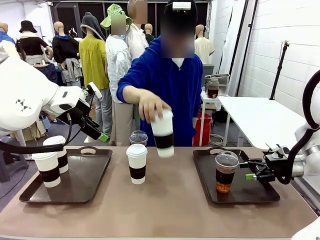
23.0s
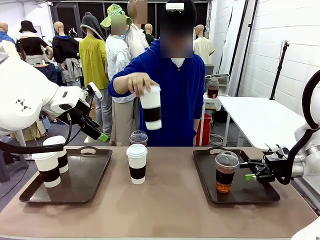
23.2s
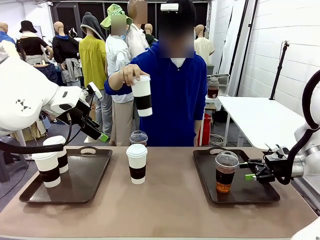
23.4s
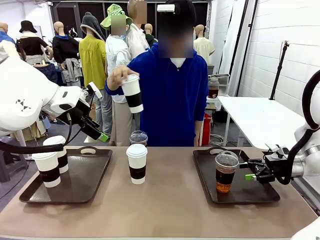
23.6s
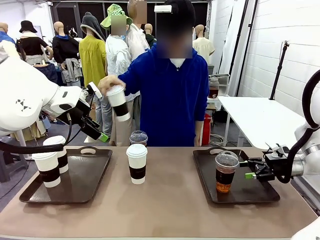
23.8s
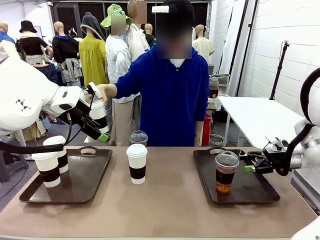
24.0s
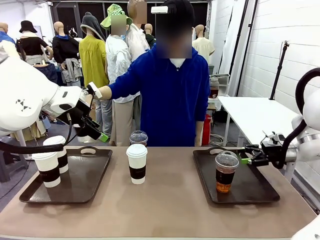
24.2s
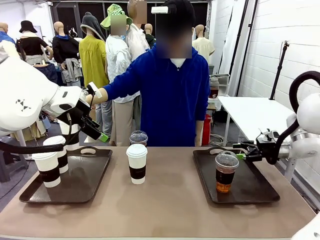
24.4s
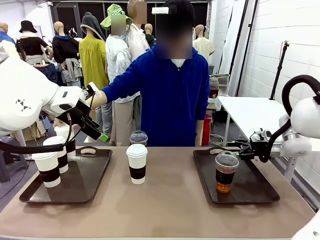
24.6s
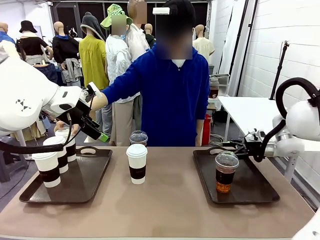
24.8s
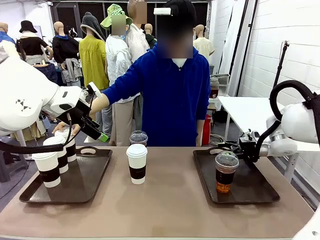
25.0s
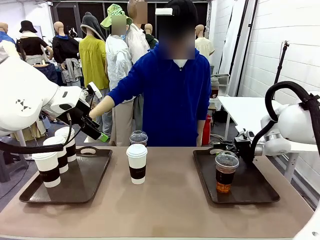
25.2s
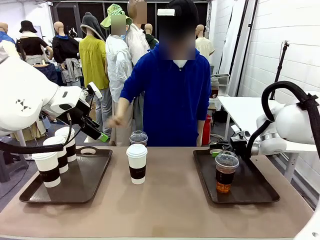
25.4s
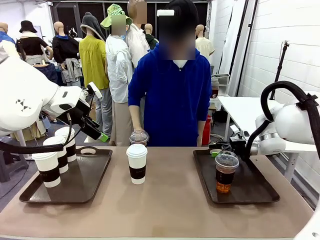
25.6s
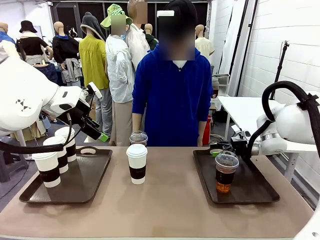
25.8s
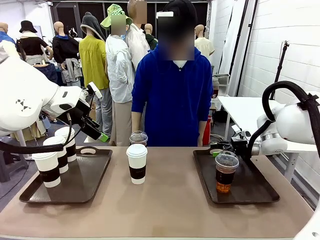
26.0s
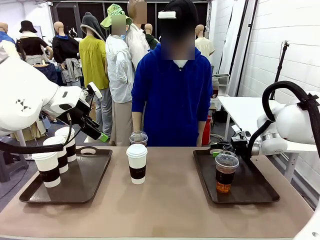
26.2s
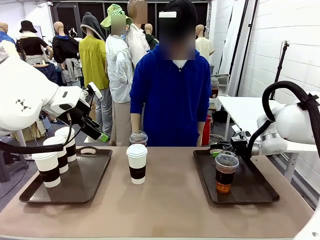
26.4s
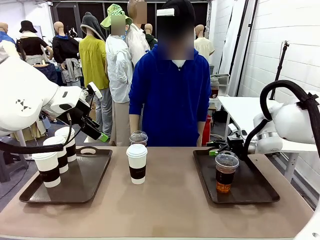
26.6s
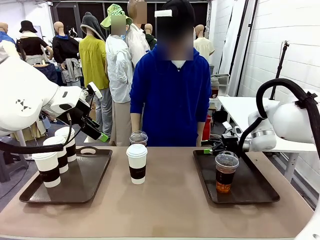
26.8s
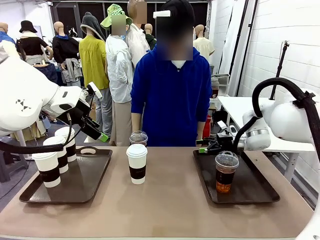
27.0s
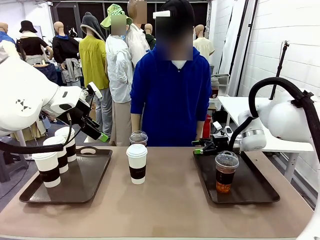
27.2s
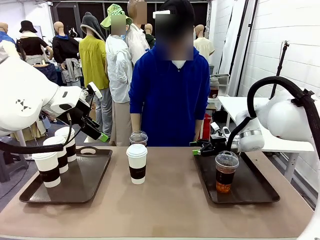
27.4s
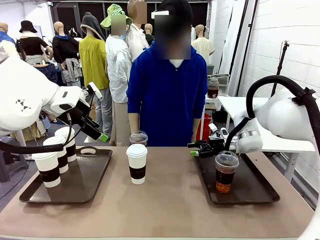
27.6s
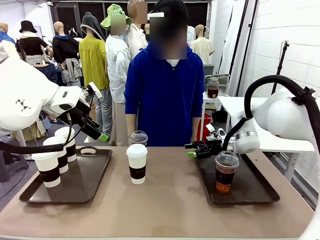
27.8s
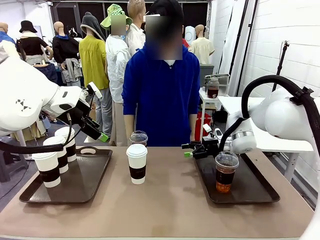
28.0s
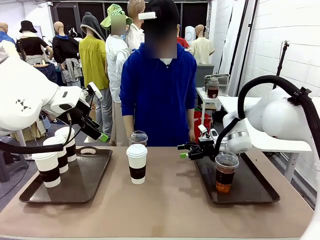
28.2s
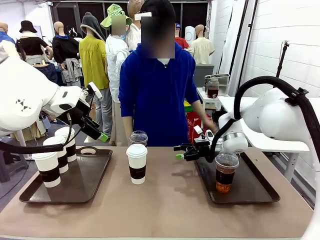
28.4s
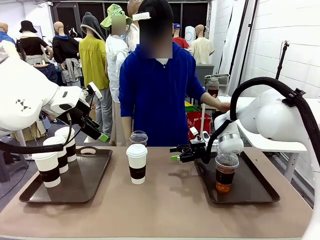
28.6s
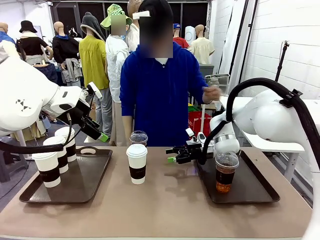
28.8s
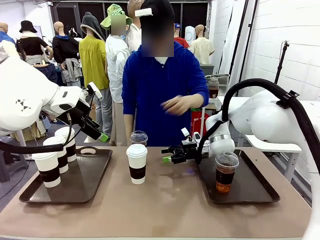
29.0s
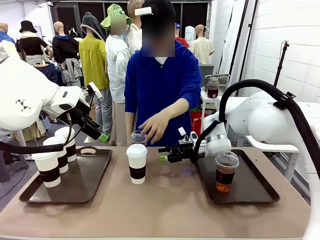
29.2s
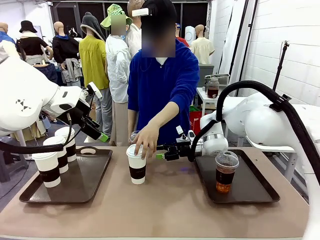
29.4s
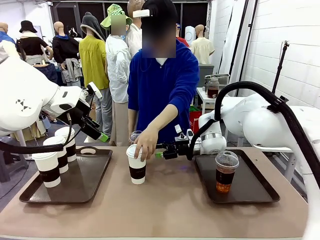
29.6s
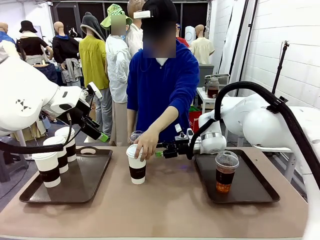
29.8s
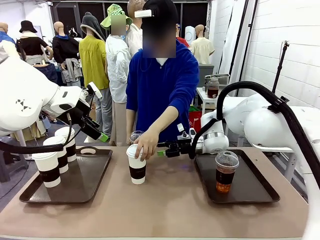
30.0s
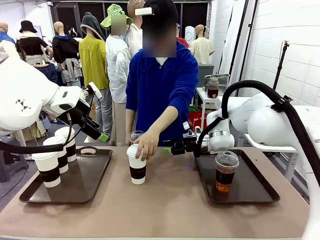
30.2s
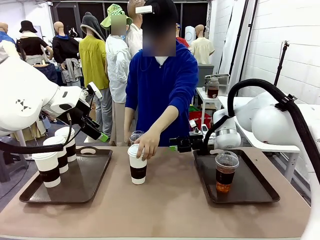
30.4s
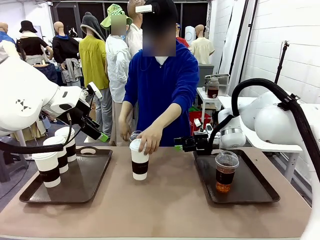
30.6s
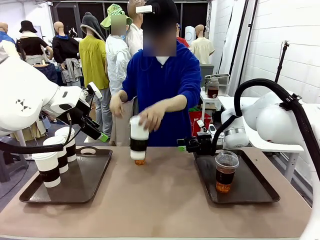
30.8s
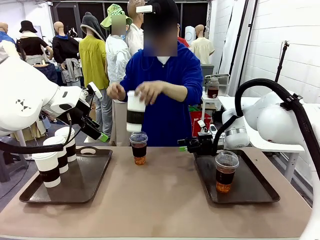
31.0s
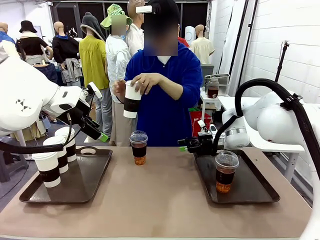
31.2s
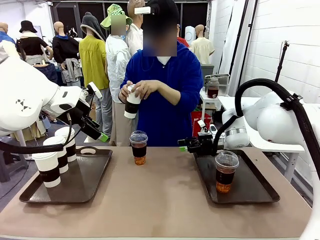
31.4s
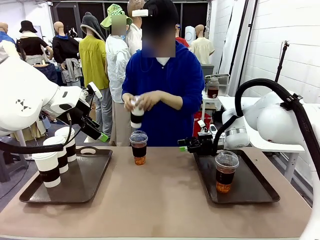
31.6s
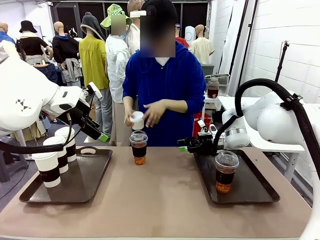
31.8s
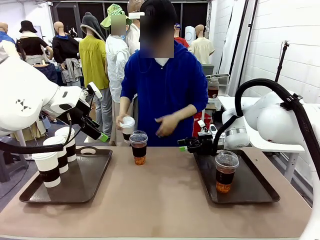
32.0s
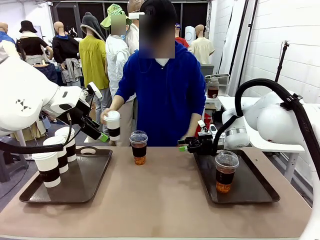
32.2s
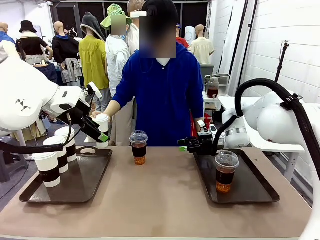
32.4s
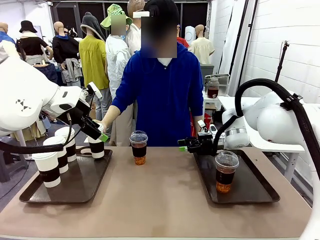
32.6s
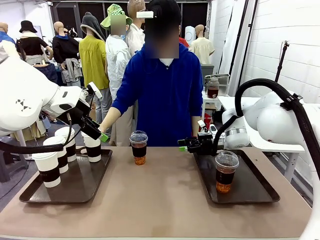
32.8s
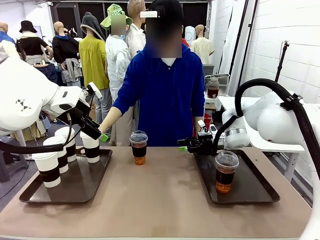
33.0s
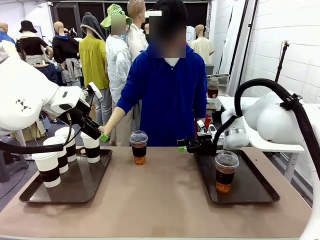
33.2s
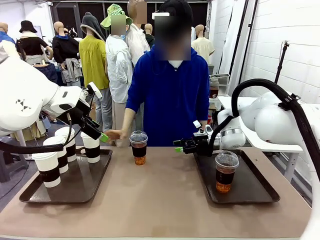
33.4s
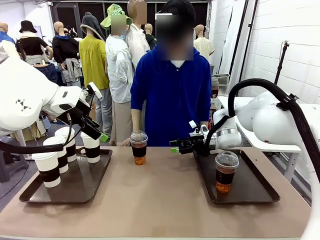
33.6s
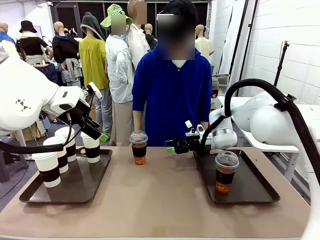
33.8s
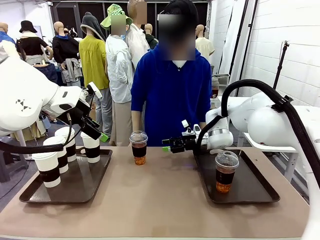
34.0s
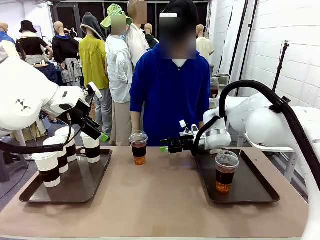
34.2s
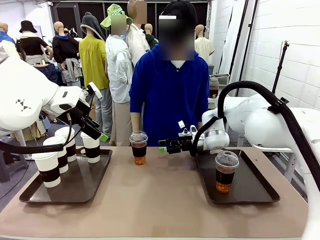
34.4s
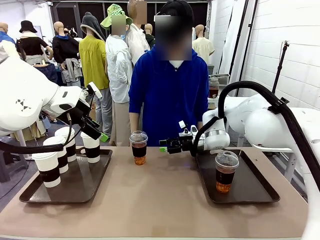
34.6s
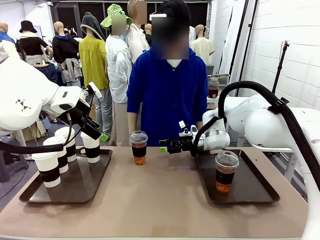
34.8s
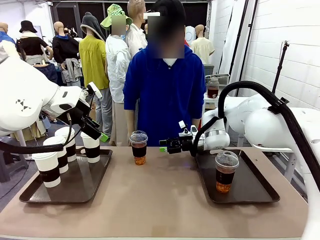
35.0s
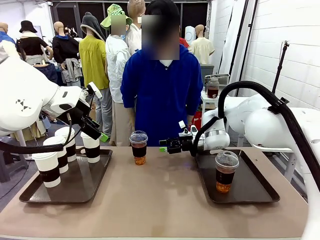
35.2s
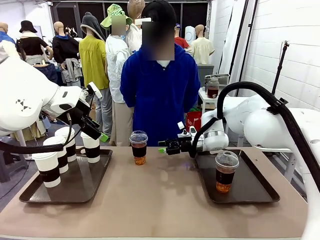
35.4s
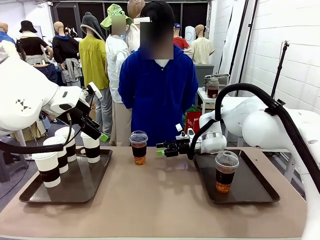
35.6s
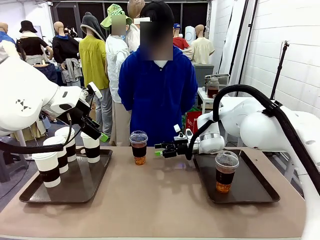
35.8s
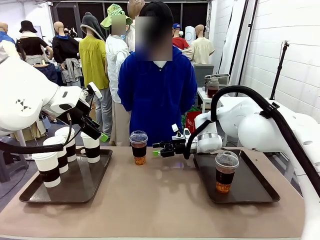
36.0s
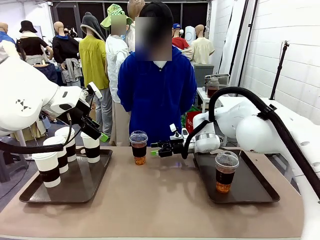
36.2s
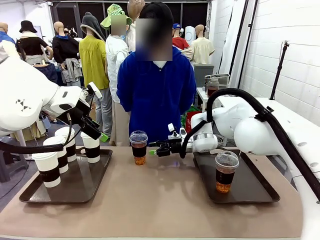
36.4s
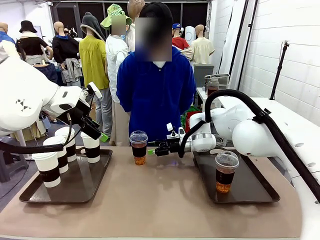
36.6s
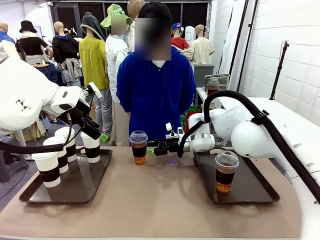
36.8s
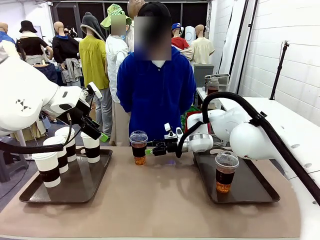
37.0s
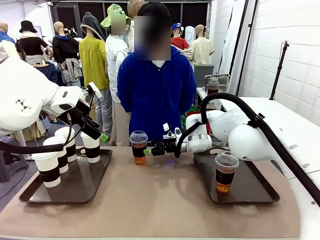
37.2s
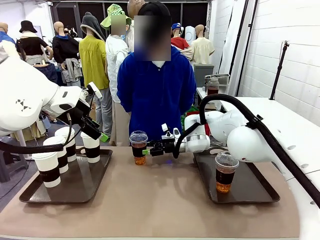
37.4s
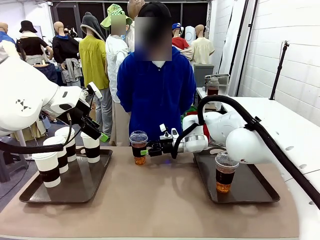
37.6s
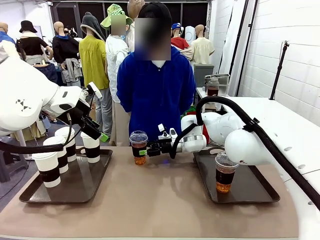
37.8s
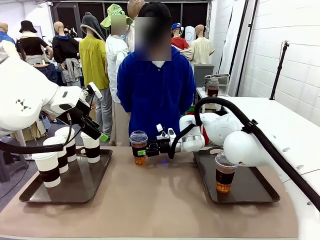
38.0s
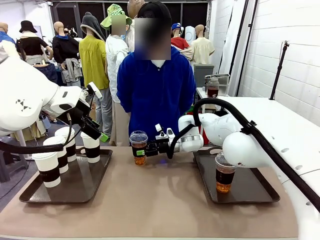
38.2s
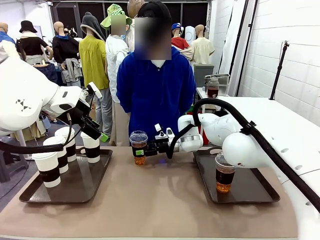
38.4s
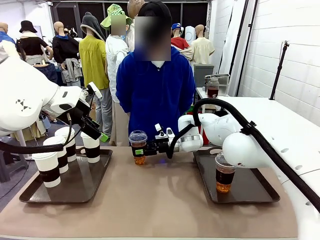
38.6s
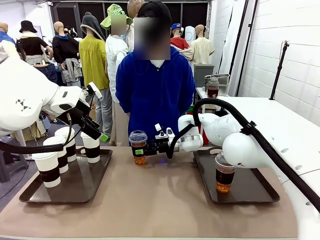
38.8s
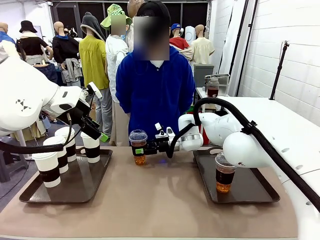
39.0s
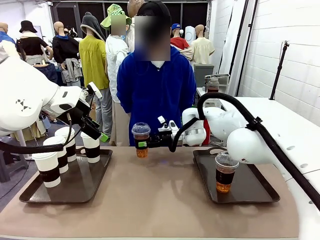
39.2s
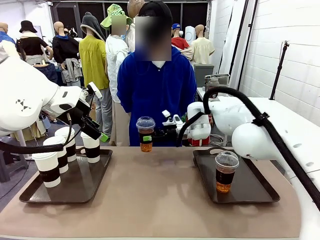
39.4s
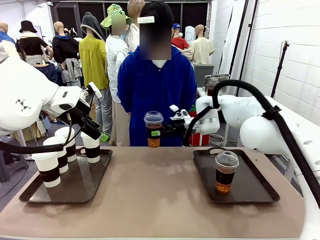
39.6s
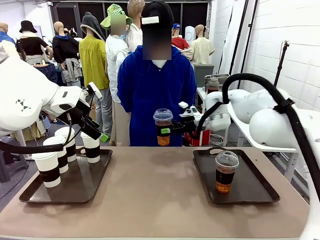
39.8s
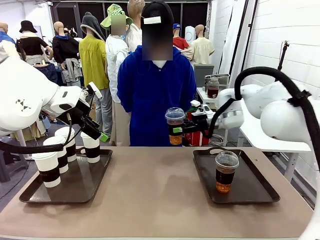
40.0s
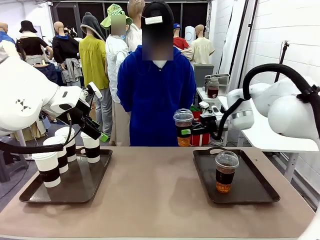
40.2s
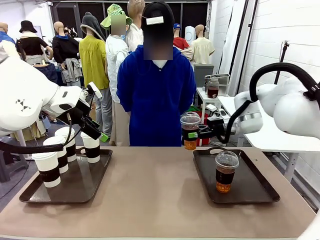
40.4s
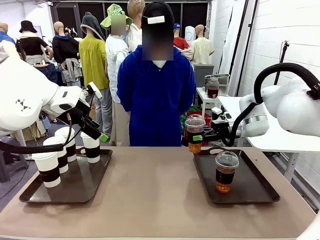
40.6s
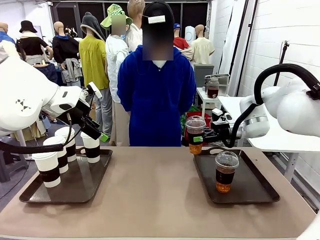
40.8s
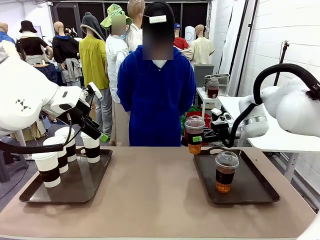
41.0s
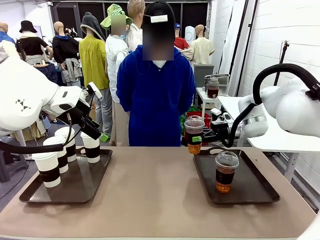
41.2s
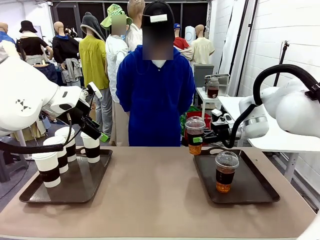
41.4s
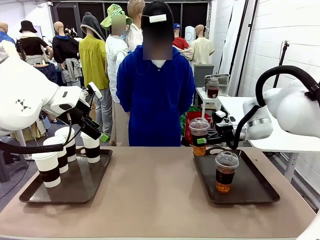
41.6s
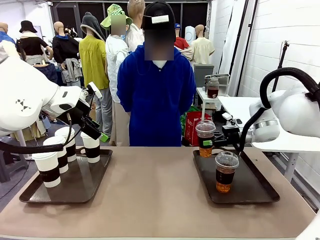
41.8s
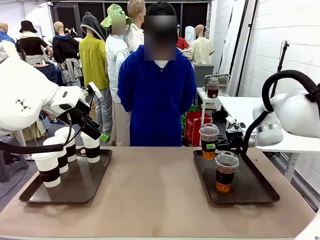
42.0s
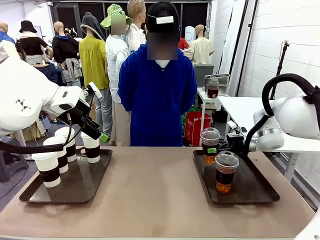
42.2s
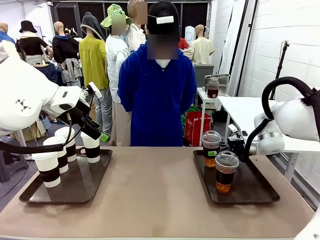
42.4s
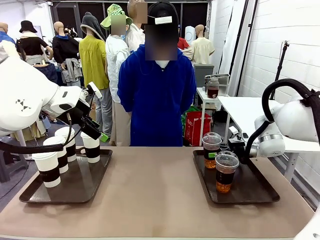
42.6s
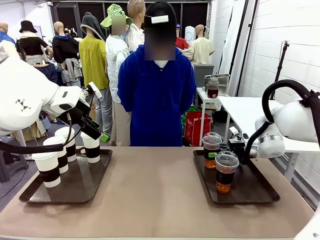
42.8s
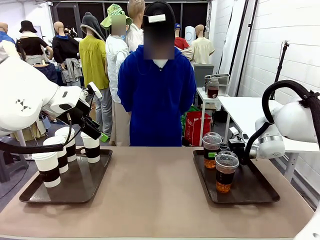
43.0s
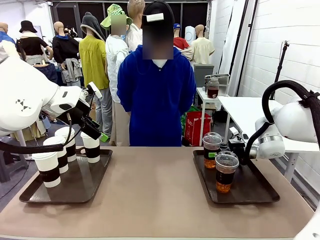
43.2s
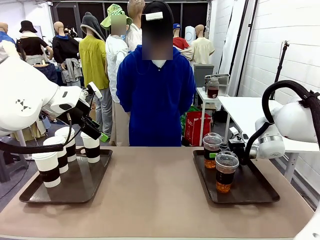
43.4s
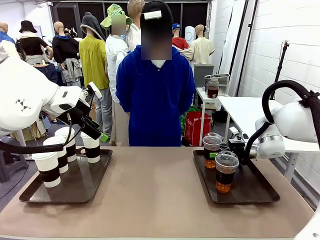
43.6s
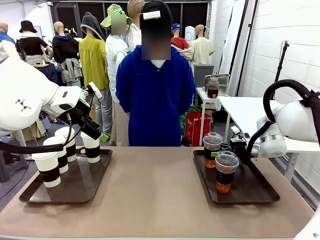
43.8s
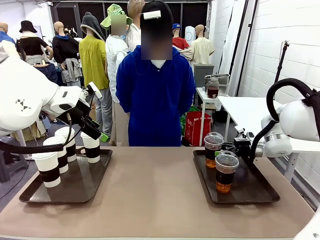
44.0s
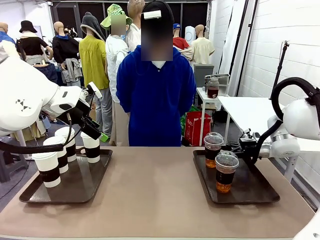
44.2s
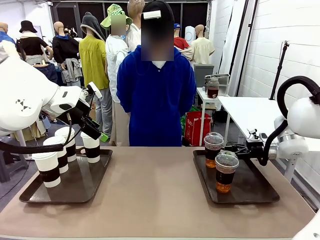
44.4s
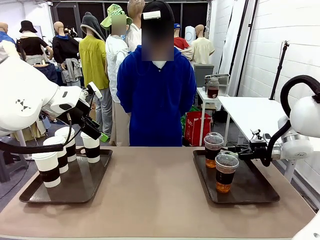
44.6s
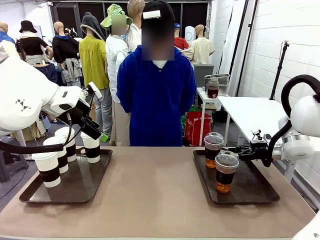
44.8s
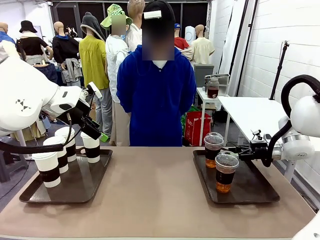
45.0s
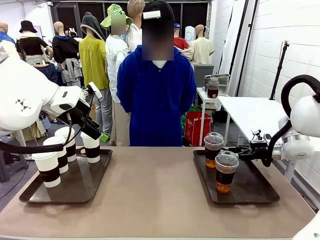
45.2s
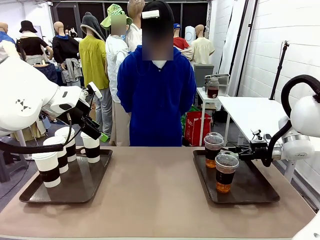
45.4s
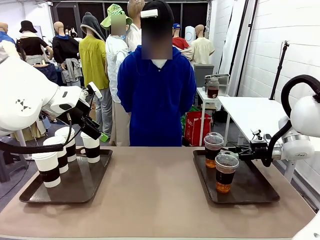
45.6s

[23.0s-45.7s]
Task: Distribute the coffee onto the tray.
Robot: Pick up another iced Americano from the middle of the table and place it on the right Handle tray.
Person: Pick up a cup of hot Americano from the middle of the table and place it on the right tray.
